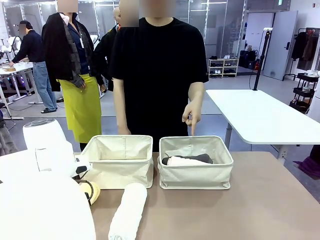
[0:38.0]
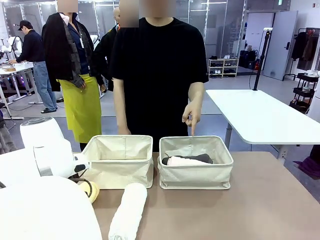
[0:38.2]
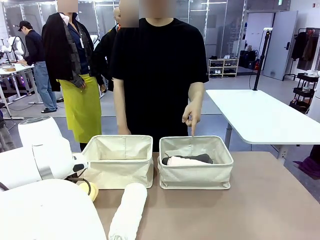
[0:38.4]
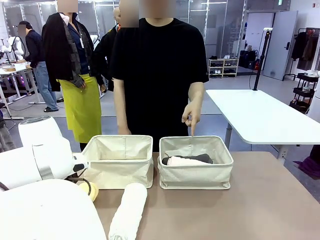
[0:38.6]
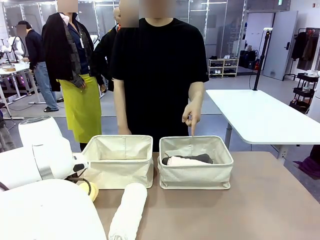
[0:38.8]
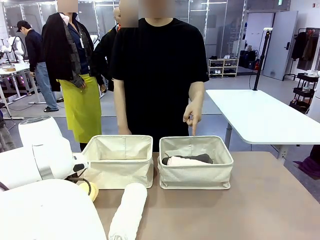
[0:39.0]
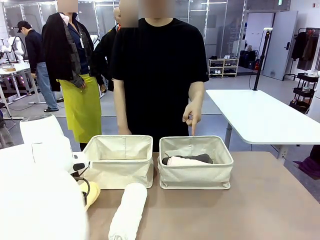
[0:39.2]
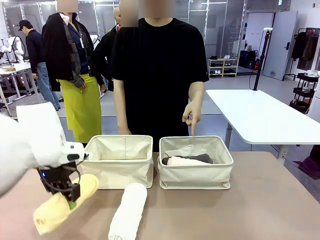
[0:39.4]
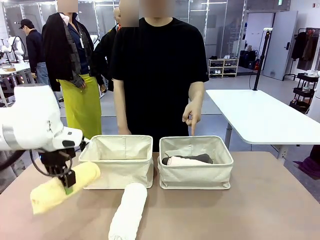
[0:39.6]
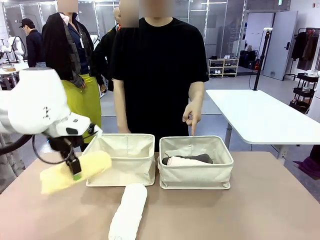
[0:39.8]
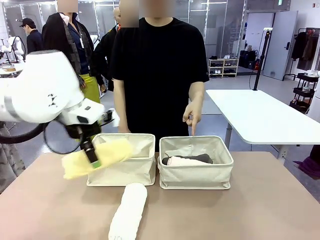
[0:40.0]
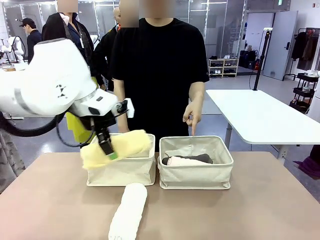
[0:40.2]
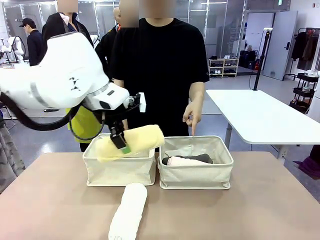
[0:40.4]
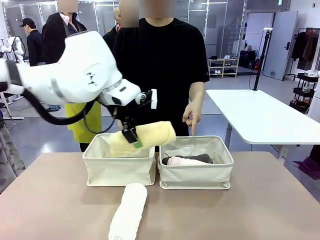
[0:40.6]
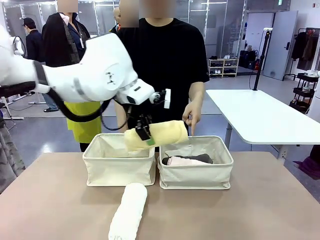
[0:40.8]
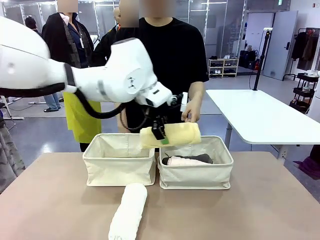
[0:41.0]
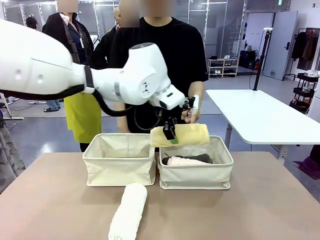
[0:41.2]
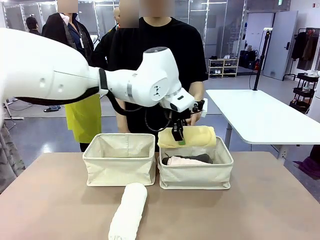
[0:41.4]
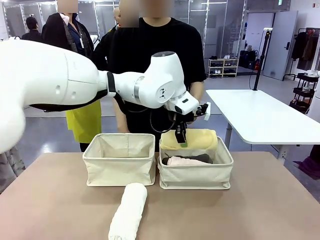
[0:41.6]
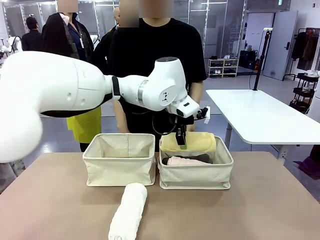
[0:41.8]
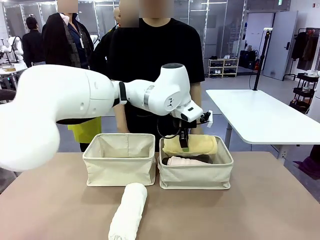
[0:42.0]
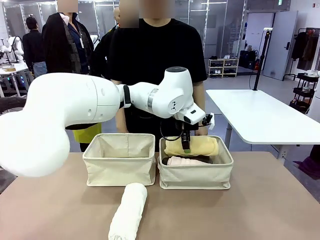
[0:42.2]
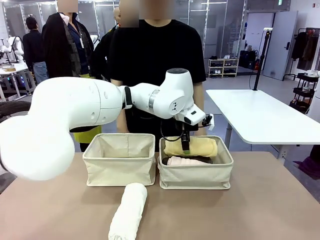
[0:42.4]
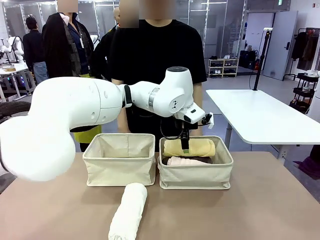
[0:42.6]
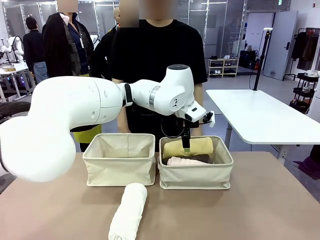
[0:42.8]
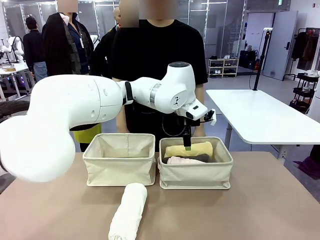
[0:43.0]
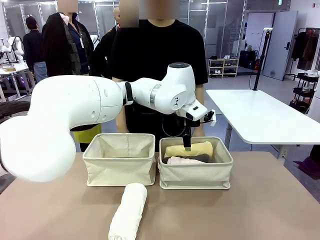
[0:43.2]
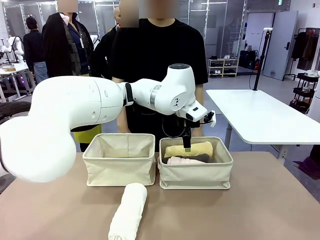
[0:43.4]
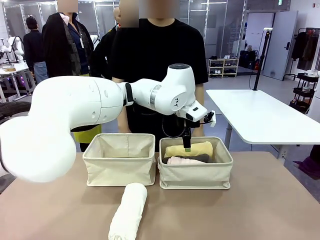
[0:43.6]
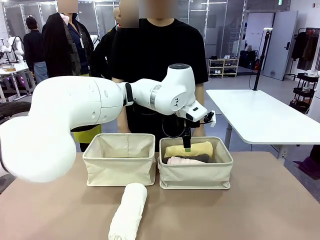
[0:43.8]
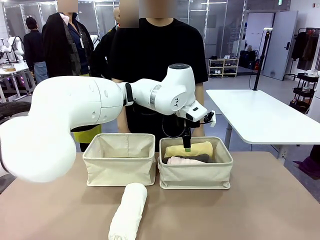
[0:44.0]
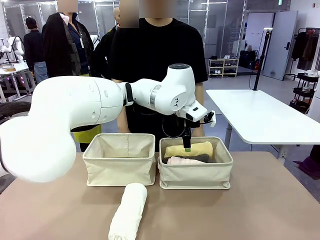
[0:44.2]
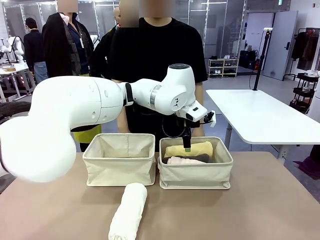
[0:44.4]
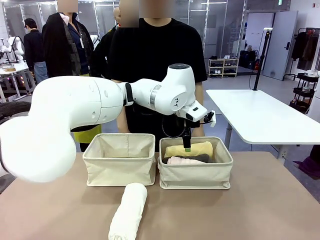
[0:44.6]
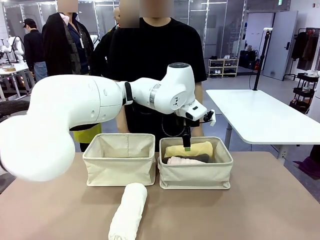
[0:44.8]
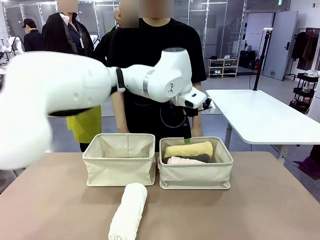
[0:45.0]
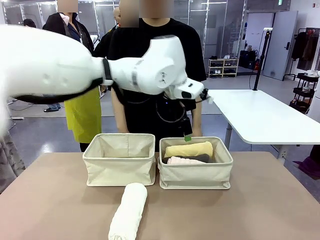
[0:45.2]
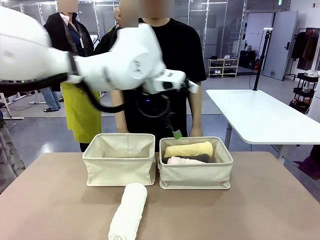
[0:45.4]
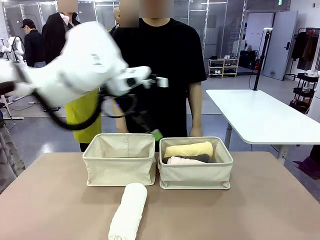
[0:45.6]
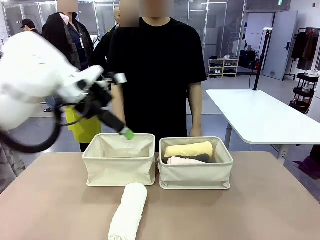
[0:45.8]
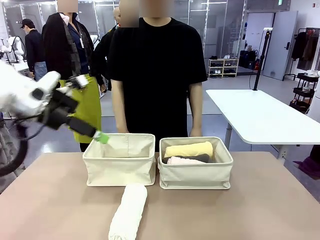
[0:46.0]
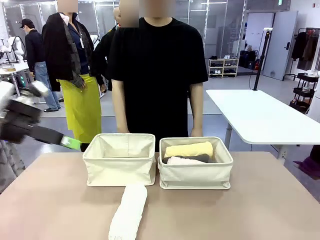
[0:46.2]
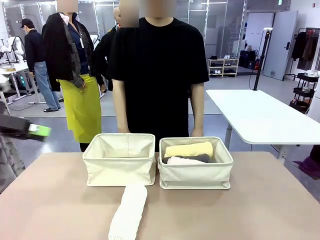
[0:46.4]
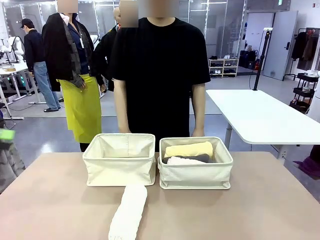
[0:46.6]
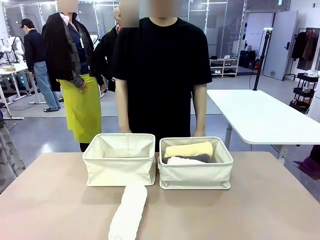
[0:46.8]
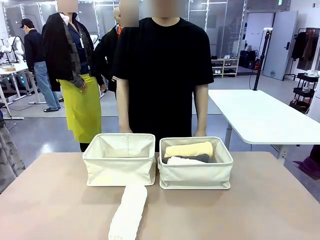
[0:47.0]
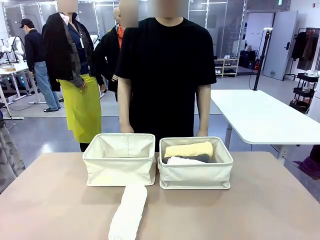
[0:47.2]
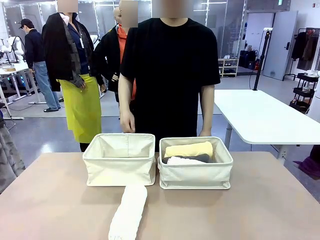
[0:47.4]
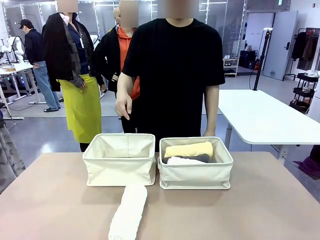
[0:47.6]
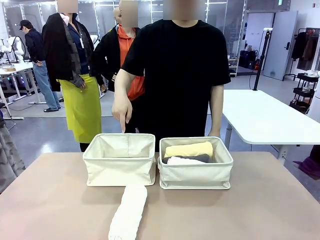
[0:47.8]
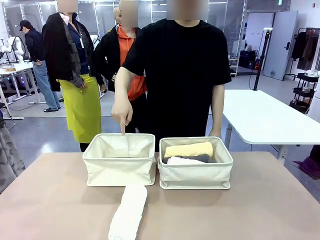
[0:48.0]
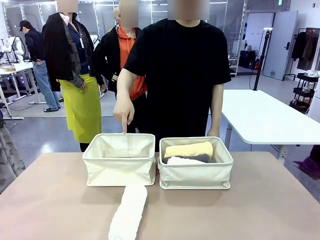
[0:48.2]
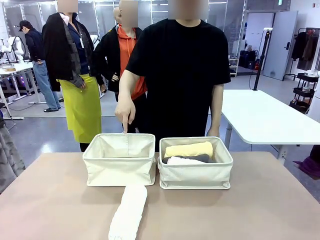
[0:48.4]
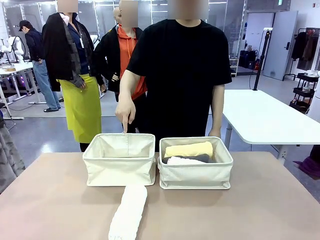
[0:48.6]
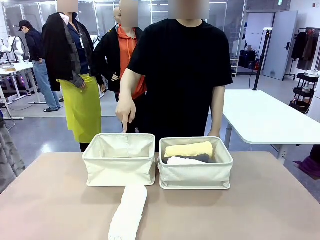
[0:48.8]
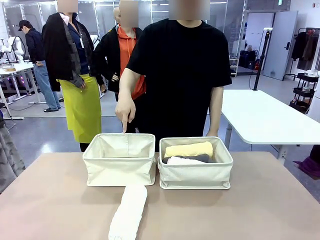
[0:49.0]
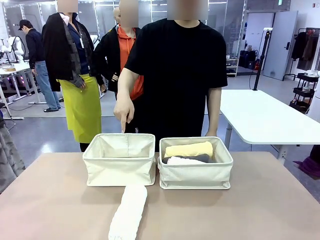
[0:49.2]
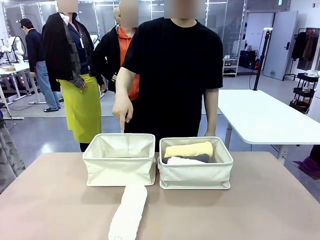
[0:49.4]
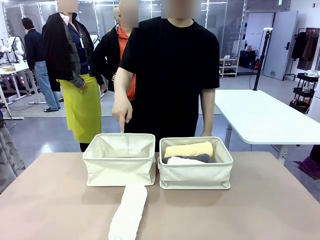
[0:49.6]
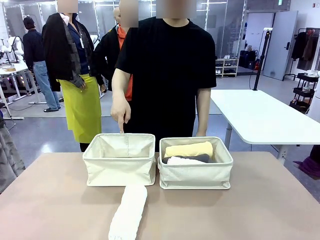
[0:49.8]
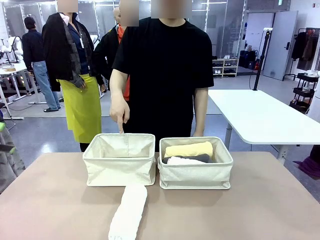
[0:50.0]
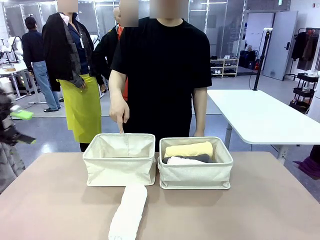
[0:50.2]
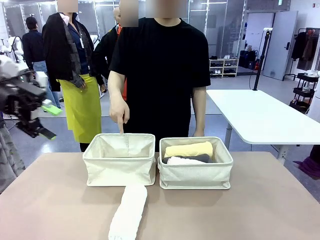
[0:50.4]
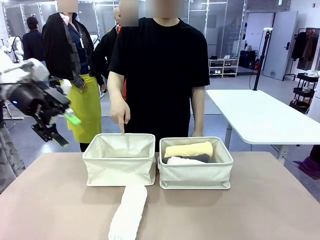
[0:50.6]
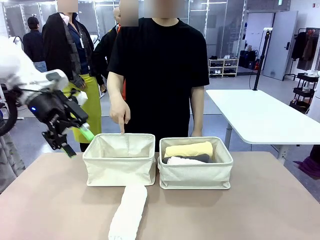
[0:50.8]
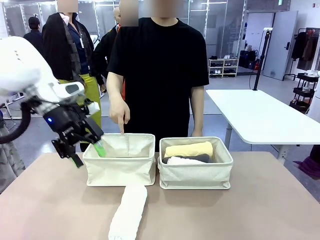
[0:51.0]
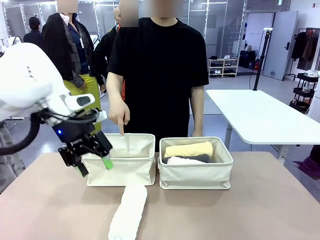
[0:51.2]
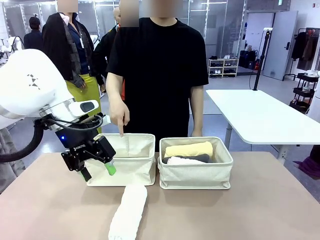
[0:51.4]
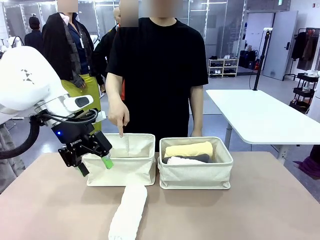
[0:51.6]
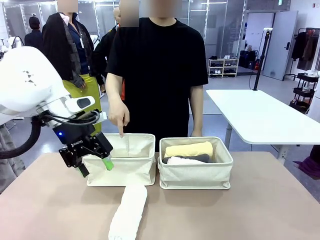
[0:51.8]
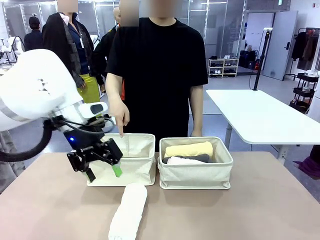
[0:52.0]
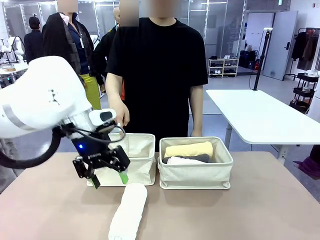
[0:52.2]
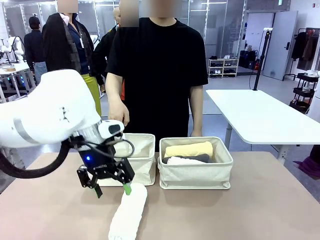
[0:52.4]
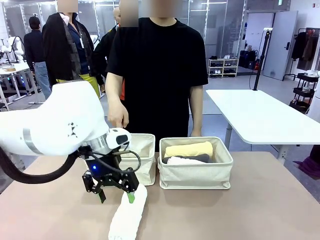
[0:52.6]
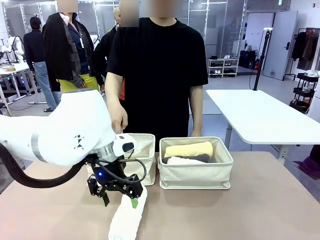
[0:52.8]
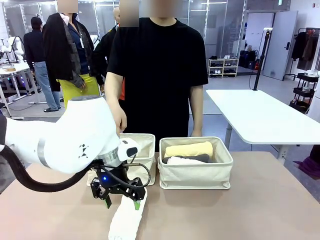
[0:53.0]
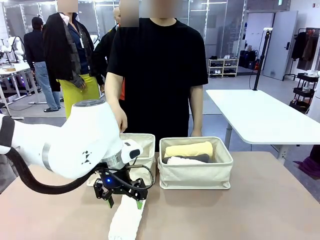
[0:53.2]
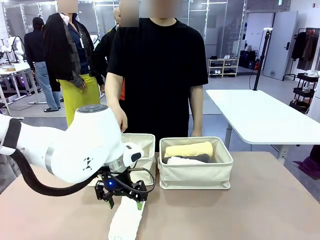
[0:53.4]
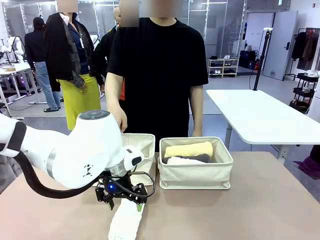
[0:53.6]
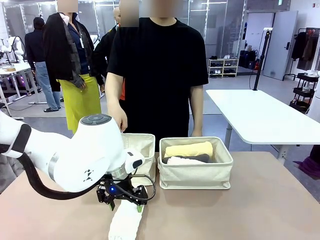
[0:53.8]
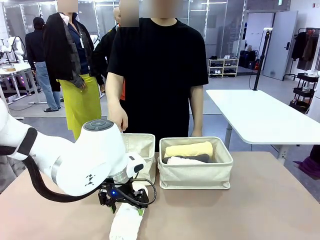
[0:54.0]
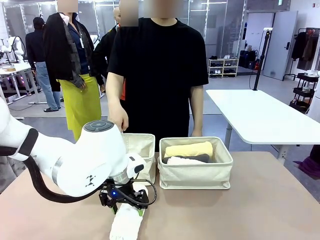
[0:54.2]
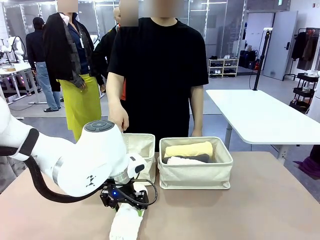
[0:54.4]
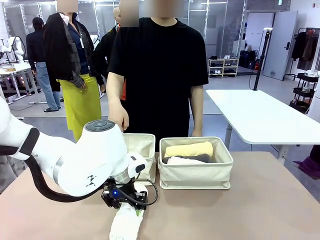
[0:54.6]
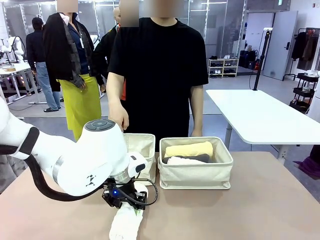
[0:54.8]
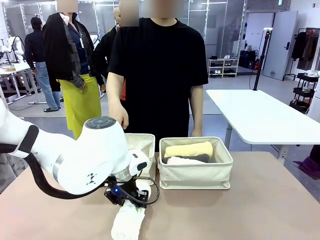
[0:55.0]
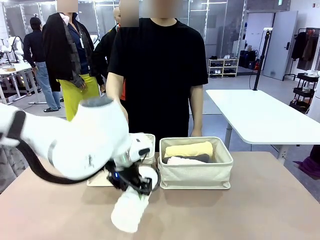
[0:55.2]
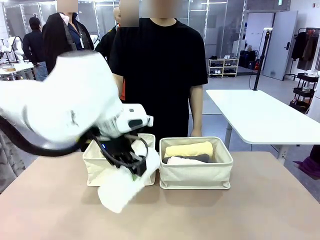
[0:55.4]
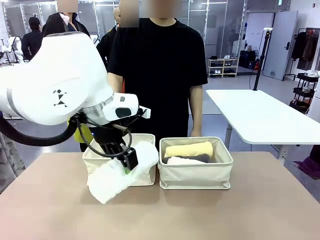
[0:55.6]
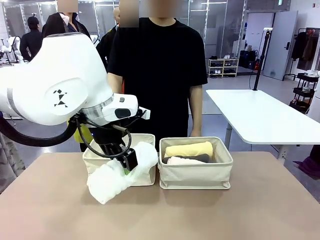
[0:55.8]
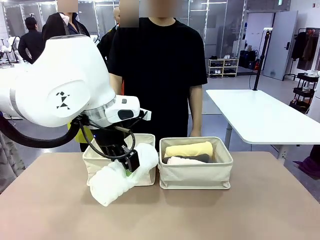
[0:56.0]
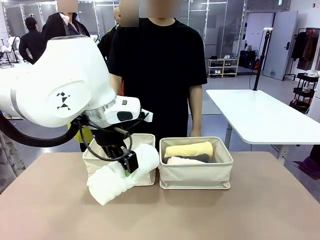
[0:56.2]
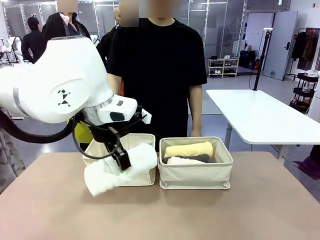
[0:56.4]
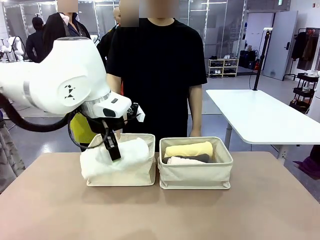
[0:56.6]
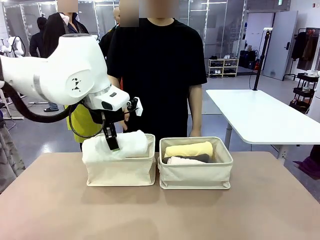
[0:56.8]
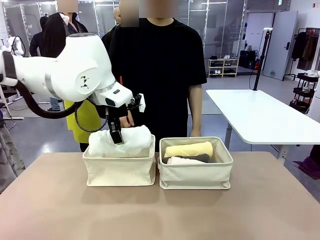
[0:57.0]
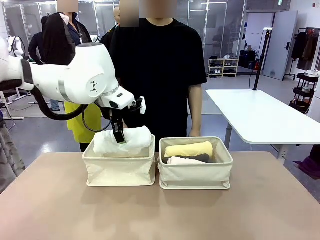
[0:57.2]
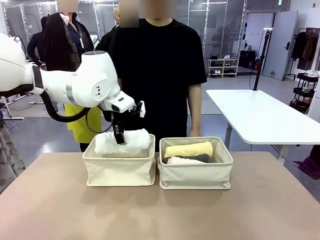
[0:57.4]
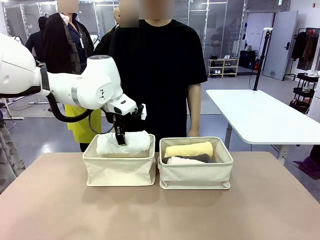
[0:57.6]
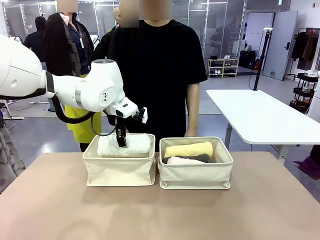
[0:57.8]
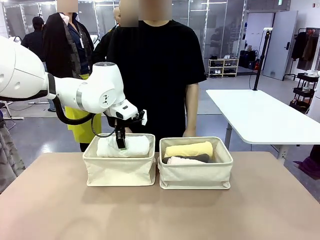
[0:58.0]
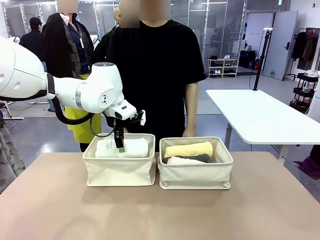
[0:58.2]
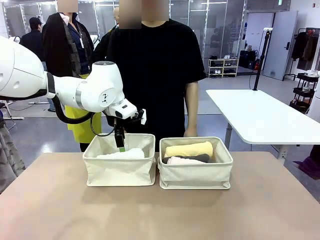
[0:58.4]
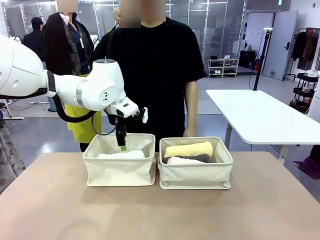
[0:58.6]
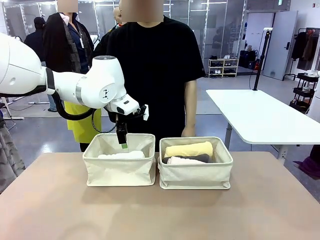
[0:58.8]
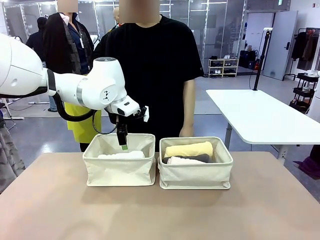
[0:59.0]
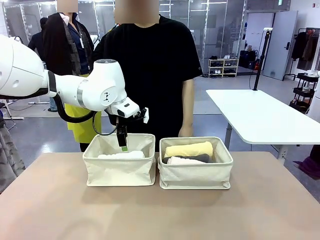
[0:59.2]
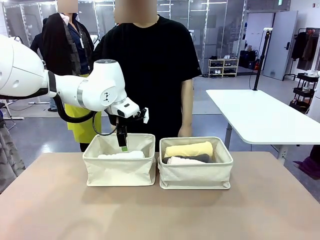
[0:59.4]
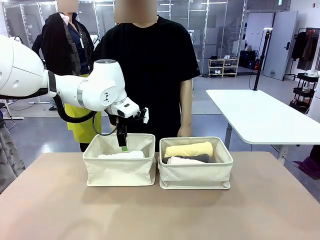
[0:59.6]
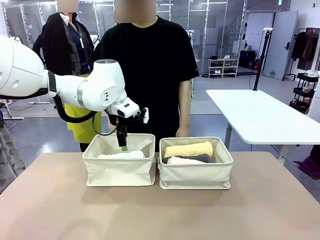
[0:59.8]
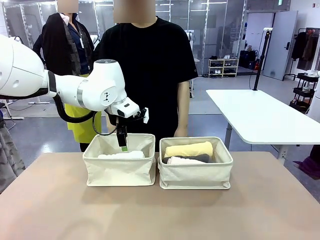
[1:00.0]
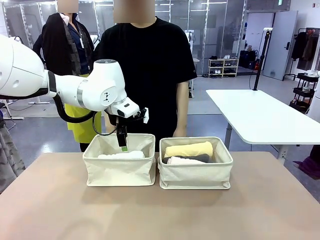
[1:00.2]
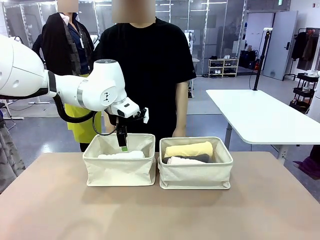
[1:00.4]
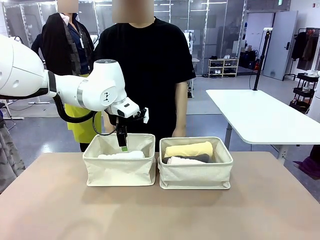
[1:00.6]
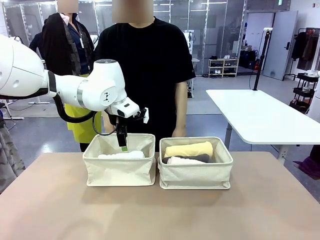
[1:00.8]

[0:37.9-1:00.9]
Task: Divide the towels into two baskets.
Robot: Pick up one hotel-folded towel from the bottom of the table and place it in the Fabric basket indicated by the person.
